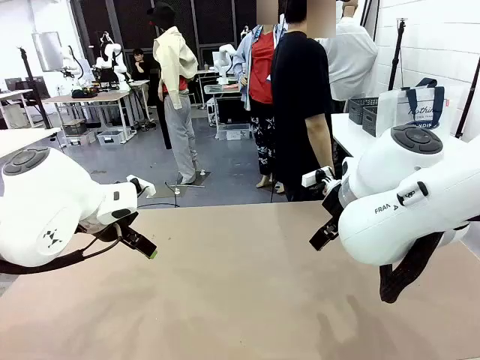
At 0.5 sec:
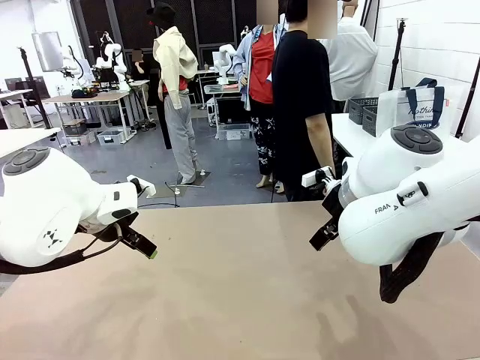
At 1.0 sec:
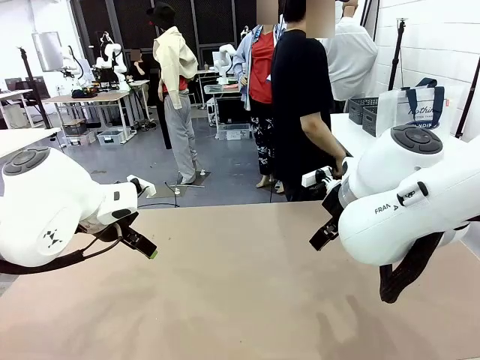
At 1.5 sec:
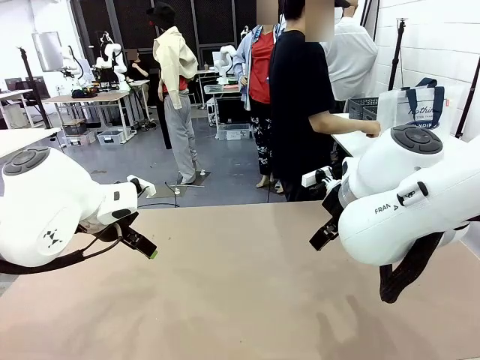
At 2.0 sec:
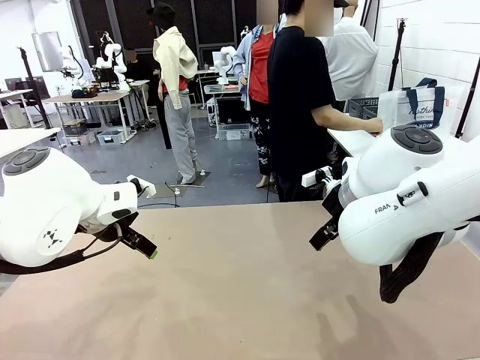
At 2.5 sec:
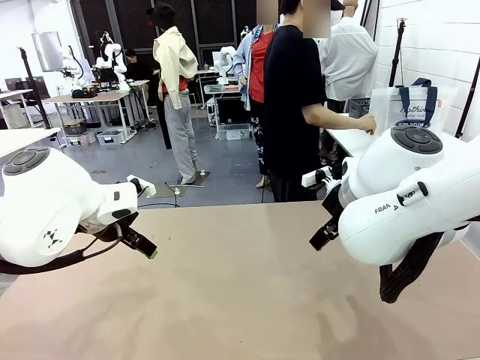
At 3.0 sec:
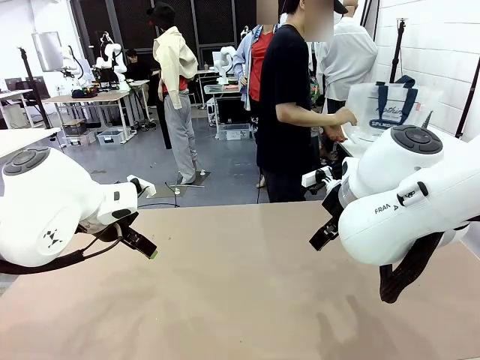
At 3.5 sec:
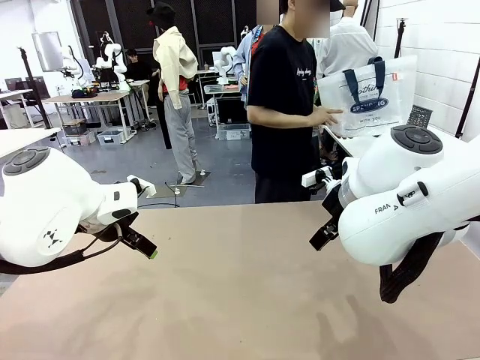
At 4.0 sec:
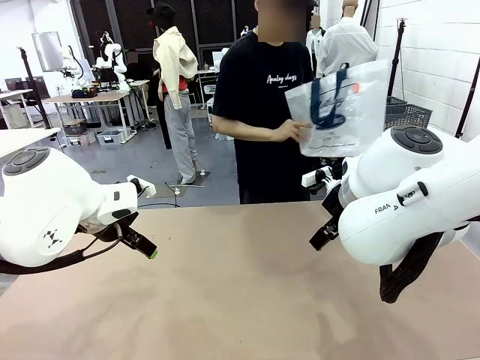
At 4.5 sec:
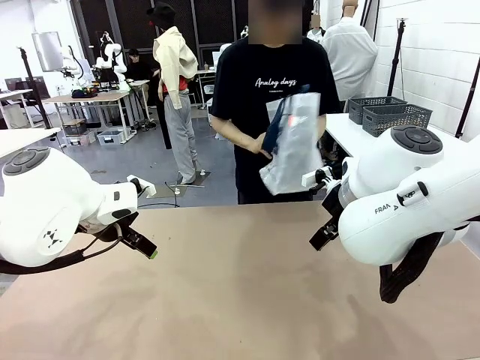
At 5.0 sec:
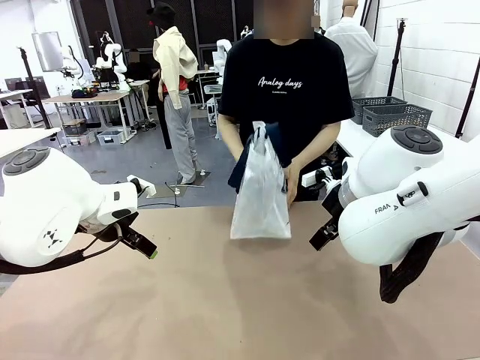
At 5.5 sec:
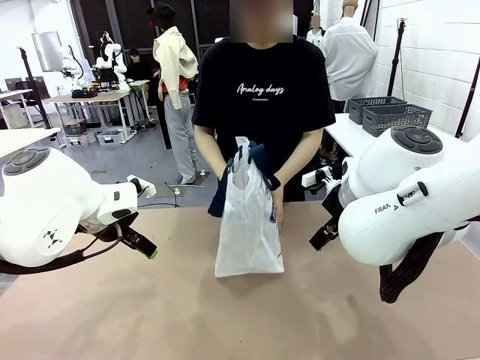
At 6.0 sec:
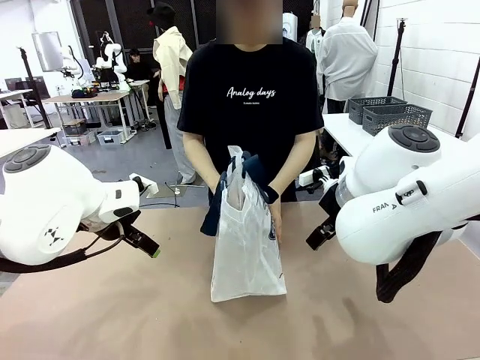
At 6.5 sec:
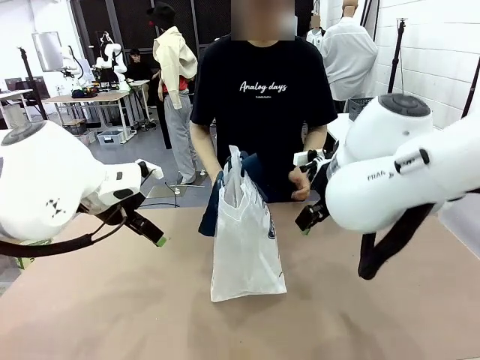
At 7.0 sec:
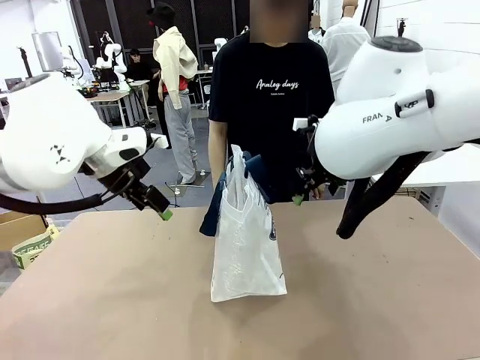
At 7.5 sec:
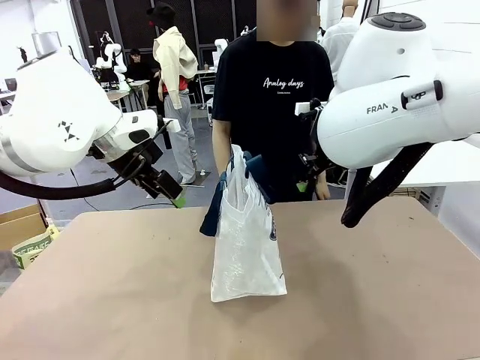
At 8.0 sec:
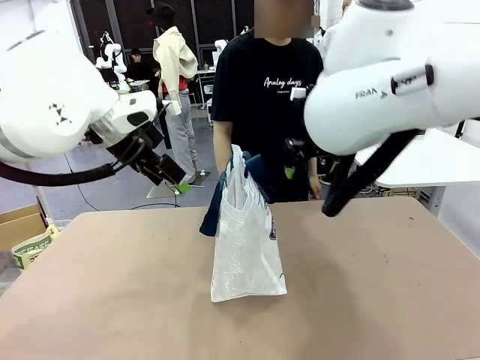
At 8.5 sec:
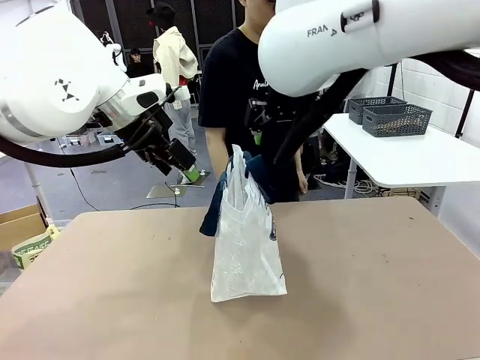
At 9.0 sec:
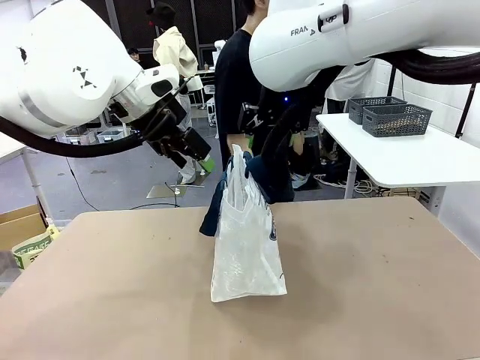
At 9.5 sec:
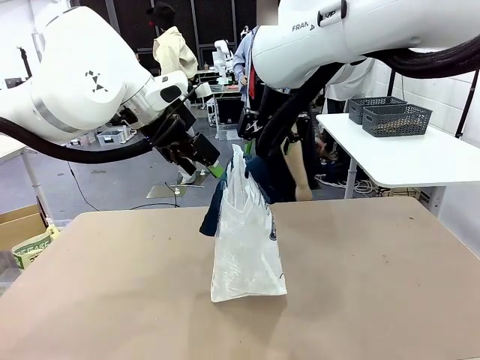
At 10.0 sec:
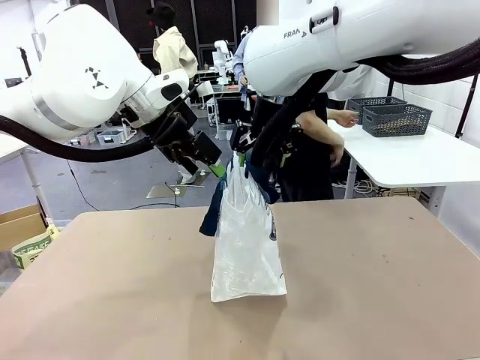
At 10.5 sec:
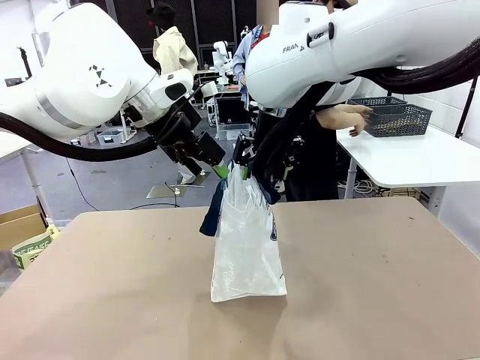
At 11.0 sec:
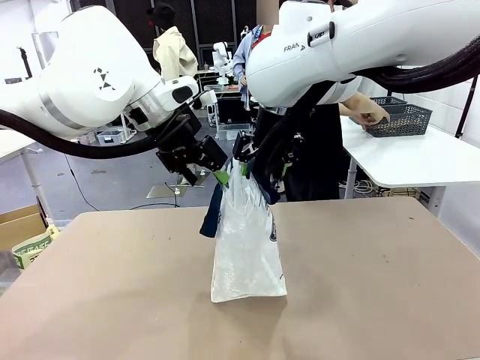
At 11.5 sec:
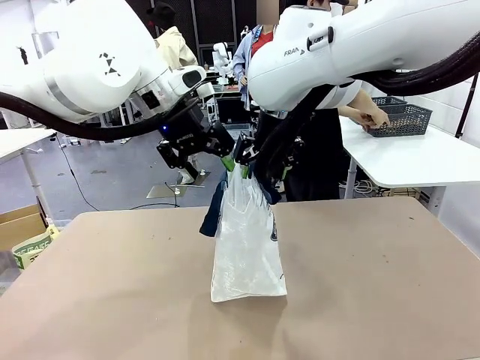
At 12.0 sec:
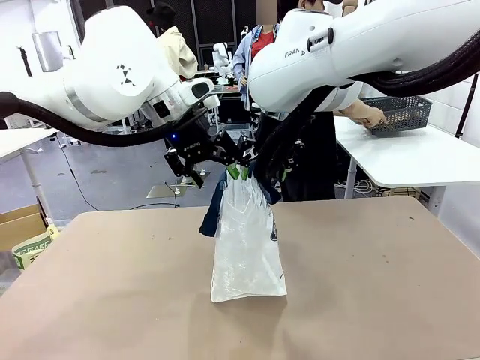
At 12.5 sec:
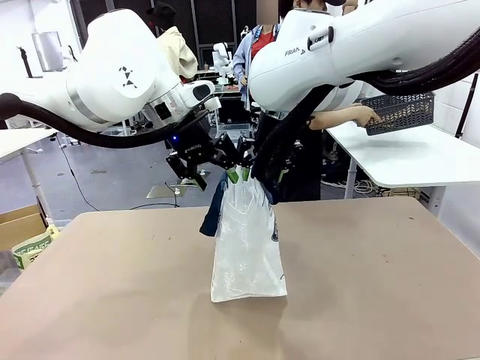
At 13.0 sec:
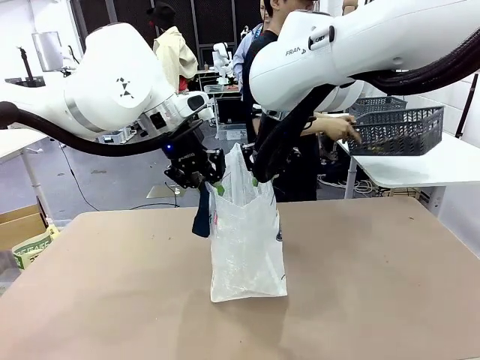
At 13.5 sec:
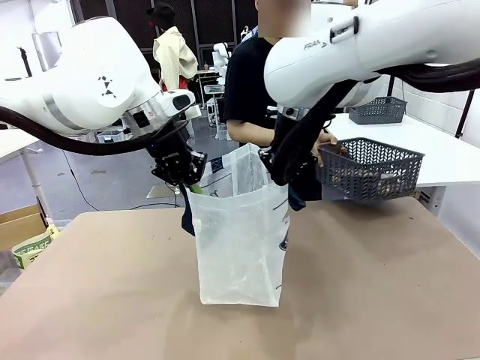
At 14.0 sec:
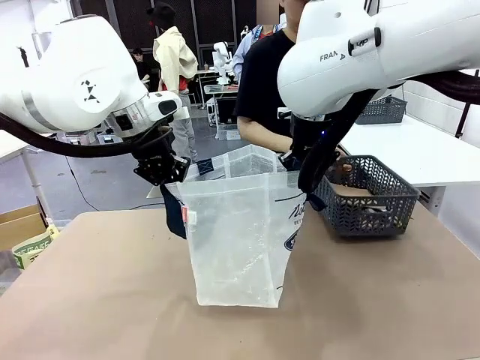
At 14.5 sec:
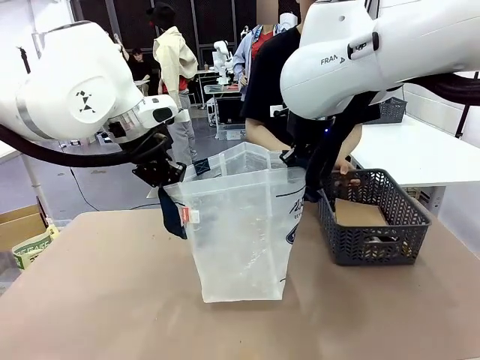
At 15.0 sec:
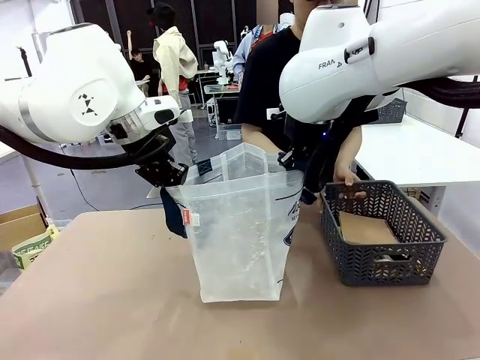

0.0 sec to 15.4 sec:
Task: Transfer purchased items from the store into the shopping bag.
Robot: Open the Reusable shopping bag in the center of the table.
Person: Pick up the shopping bag and place it in the middle of the robot table.

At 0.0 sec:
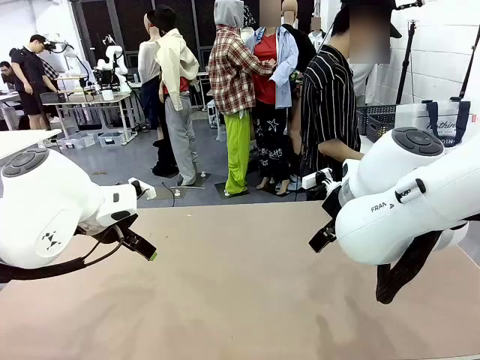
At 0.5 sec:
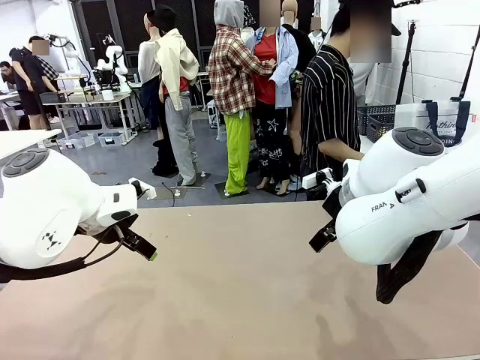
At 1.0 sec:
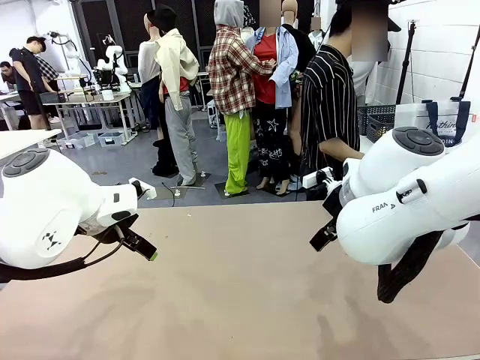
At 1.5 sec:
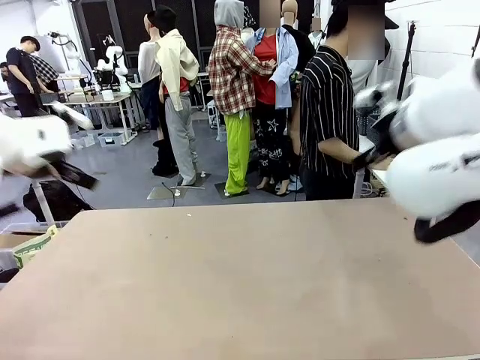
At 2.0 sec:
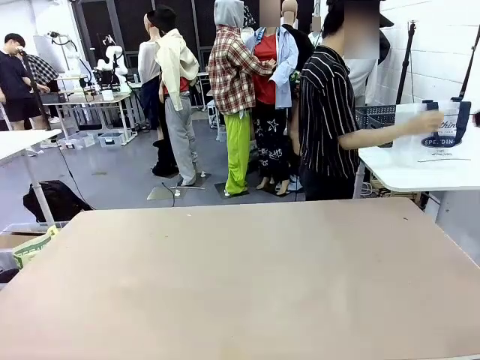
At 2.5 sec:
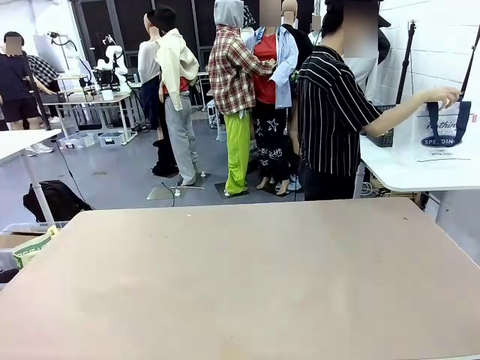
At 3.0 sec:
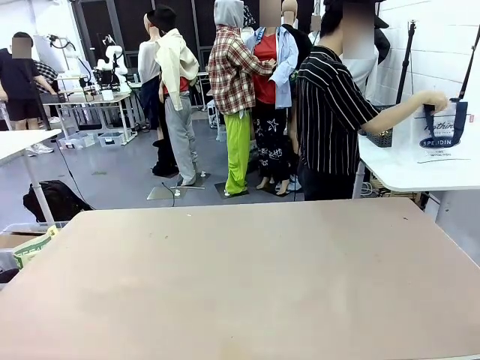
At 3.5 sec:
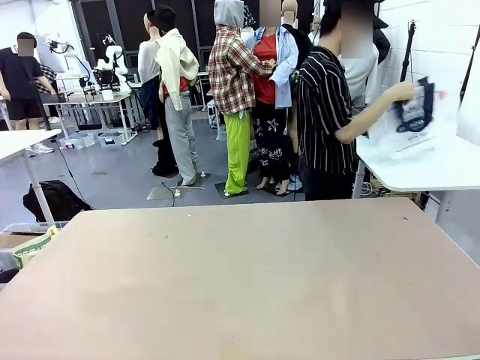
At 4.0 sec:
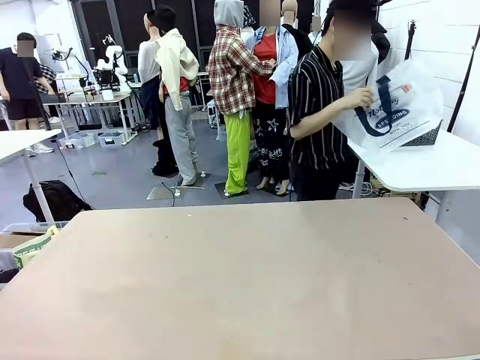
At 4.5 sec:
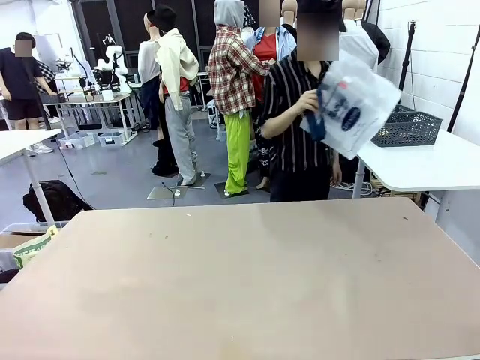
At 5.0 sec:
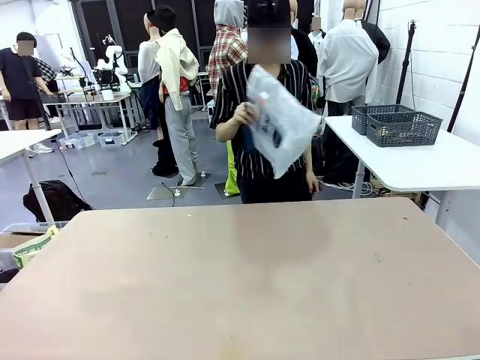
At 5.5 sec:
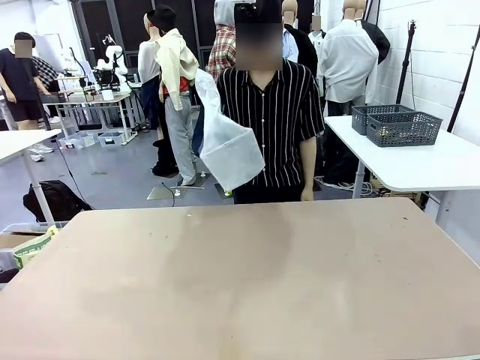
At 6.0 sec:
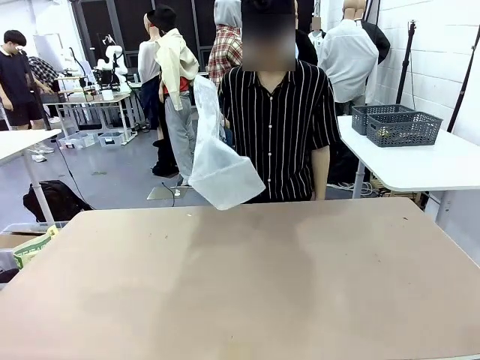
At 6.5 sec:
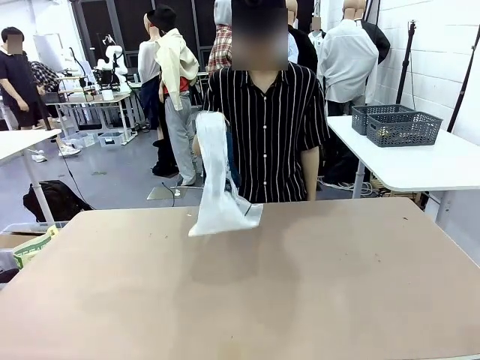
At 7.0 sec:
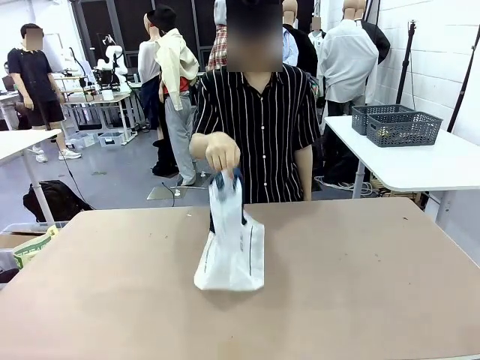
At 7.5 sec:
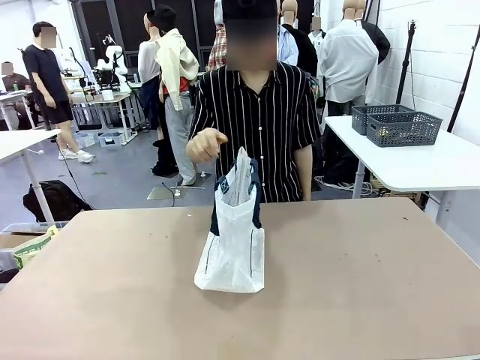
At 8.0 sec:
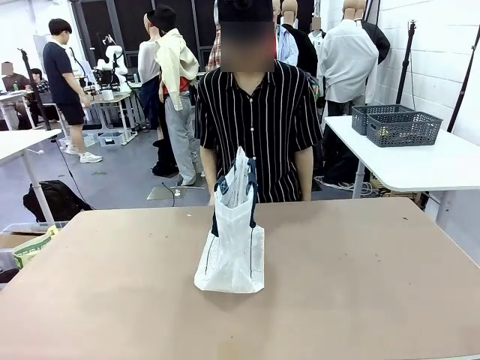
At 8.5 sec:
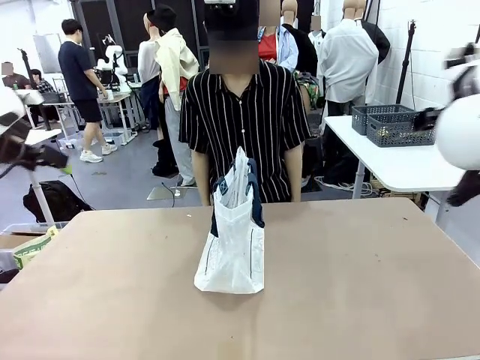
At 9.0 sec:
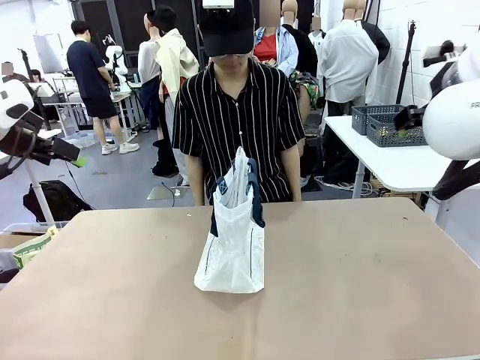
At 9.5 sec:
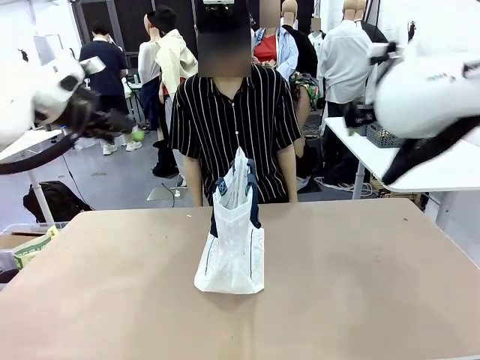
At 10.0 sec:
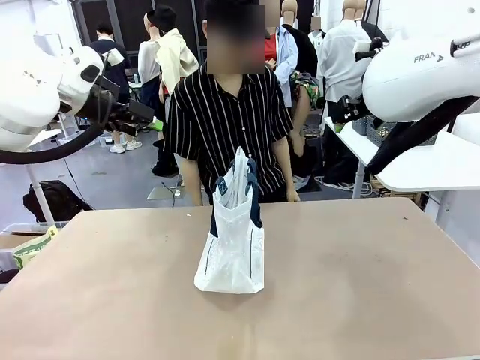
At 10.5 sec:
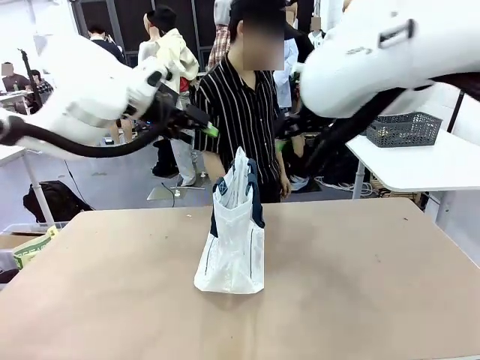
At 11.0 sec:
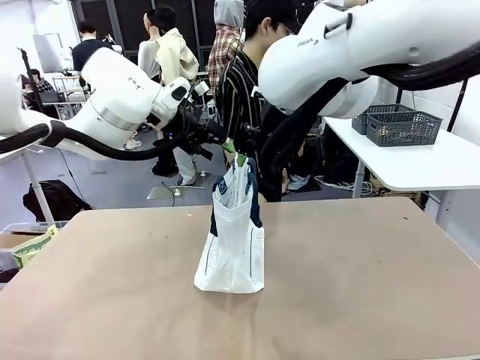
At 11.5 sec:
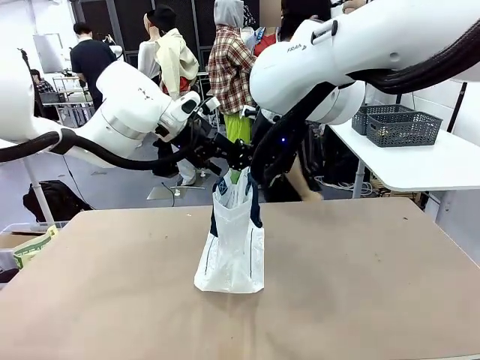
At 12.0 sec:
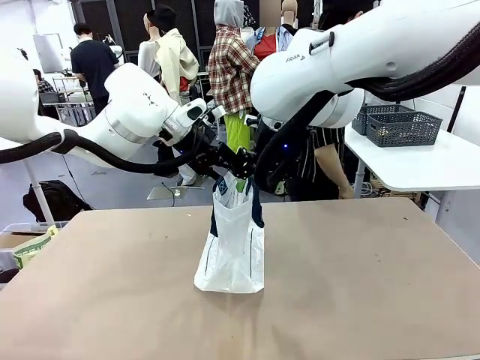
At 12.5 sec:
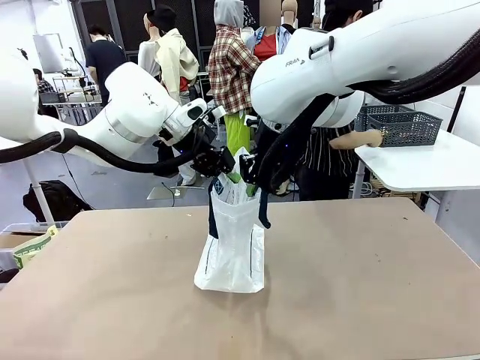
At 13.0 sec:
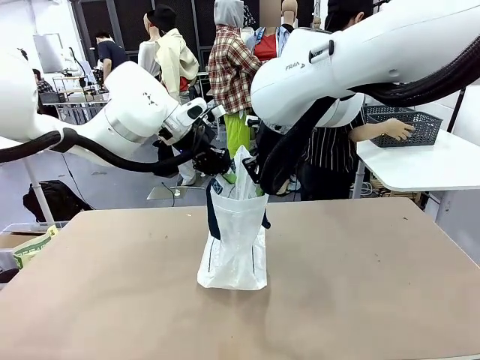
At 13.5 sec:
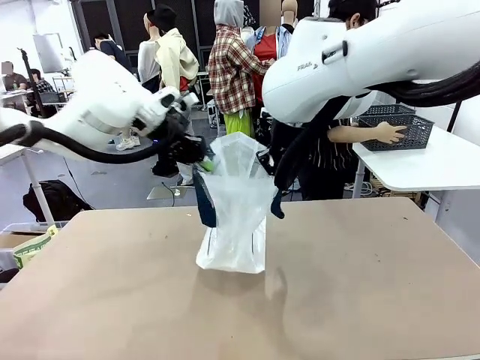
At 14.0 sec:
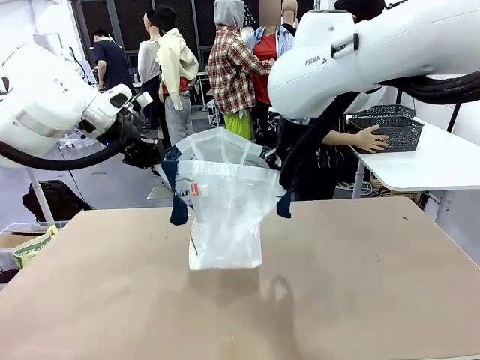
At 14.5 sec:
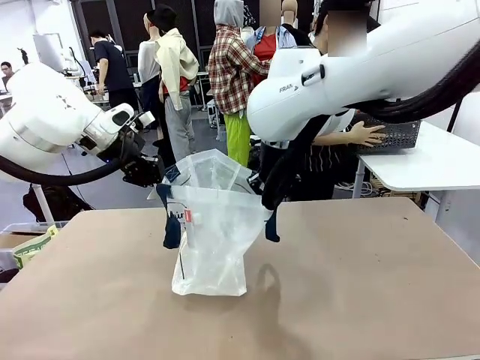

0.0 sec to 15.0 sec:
Task: Transfer purchased items from the store into the shopping bag.
Robot: Open the Reusable shopping bag in the center of the table.
Person: Pick up the shopping bag and place it in the middle of the robot table. Pick up the basket on the right, place it on the left side of the robot table, and move the items in the basket to the shopping bag.
